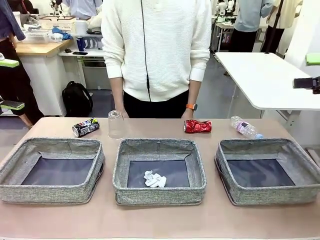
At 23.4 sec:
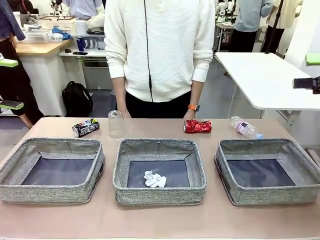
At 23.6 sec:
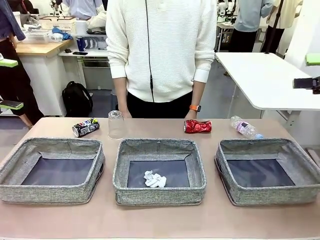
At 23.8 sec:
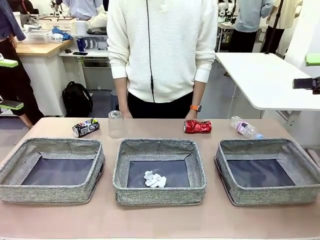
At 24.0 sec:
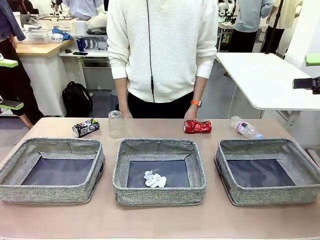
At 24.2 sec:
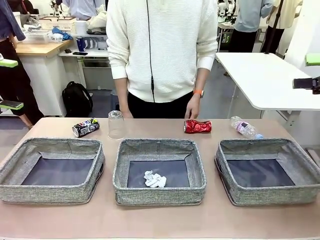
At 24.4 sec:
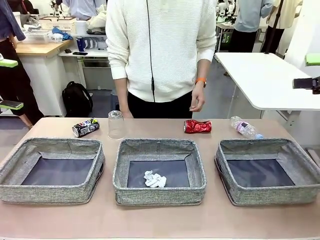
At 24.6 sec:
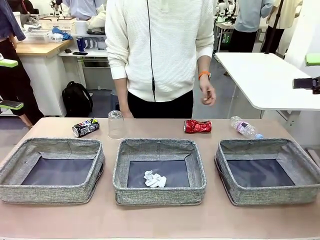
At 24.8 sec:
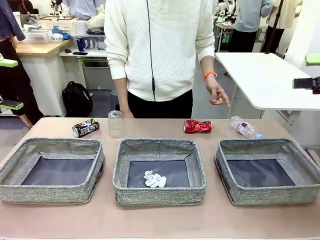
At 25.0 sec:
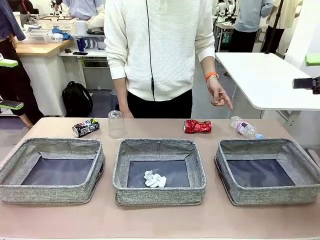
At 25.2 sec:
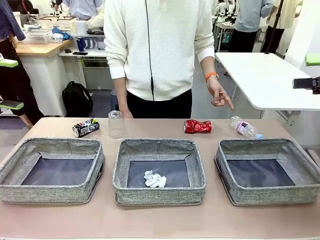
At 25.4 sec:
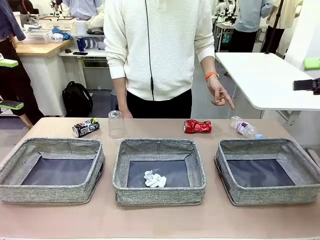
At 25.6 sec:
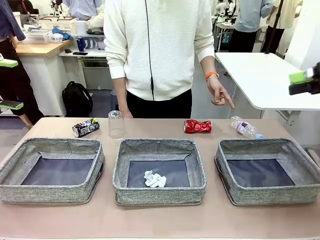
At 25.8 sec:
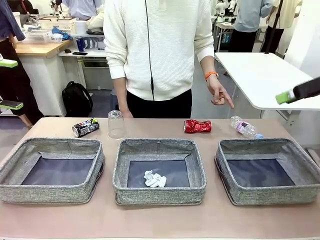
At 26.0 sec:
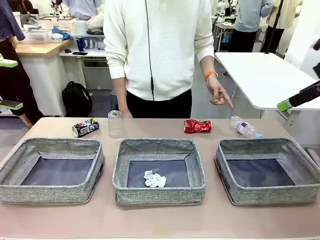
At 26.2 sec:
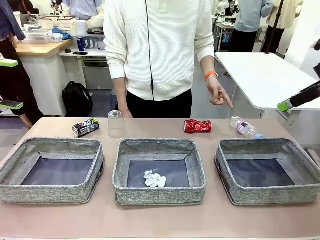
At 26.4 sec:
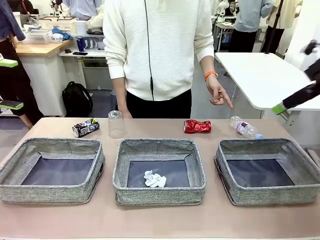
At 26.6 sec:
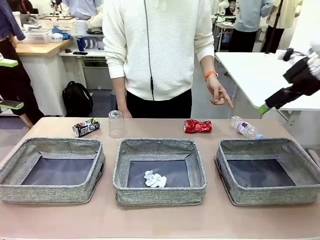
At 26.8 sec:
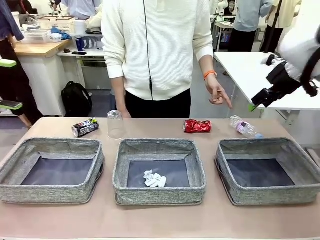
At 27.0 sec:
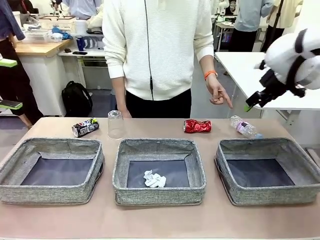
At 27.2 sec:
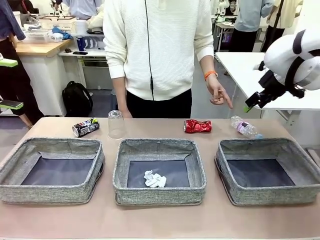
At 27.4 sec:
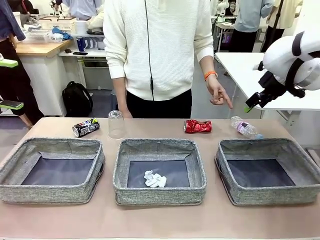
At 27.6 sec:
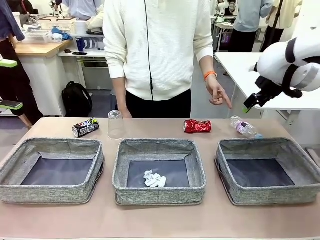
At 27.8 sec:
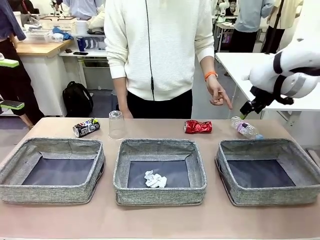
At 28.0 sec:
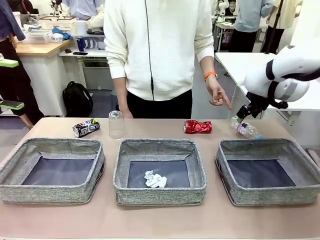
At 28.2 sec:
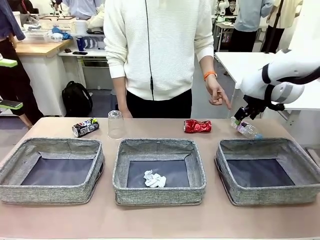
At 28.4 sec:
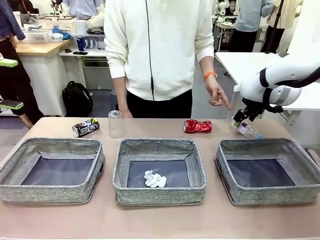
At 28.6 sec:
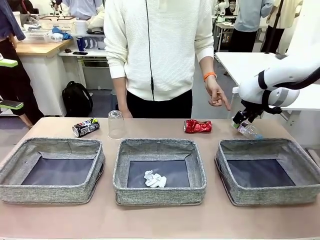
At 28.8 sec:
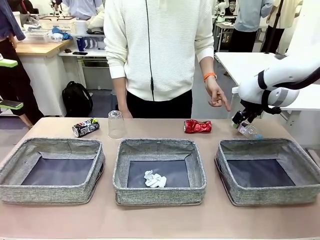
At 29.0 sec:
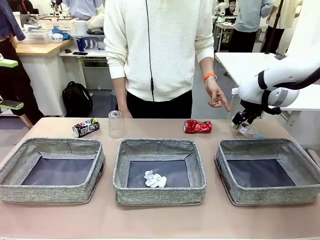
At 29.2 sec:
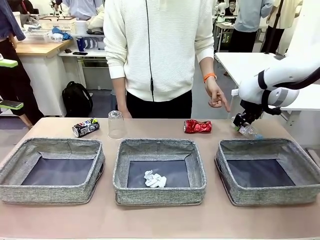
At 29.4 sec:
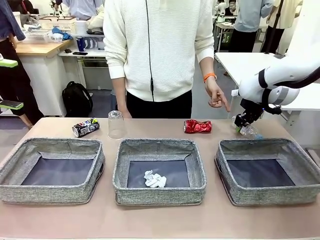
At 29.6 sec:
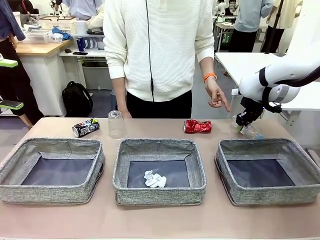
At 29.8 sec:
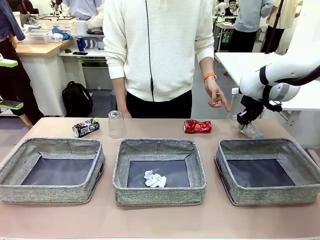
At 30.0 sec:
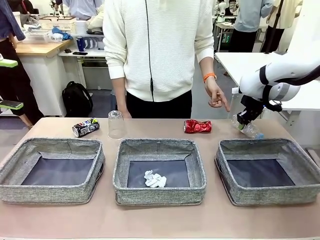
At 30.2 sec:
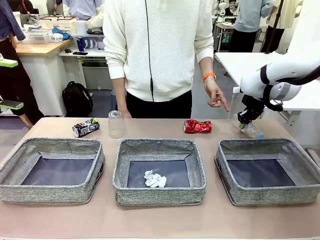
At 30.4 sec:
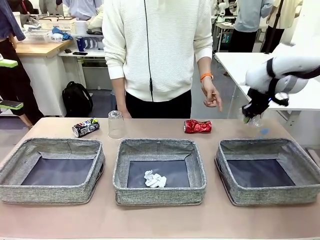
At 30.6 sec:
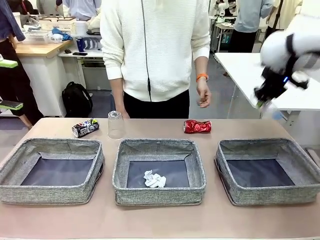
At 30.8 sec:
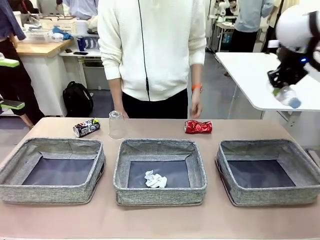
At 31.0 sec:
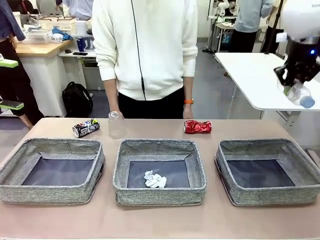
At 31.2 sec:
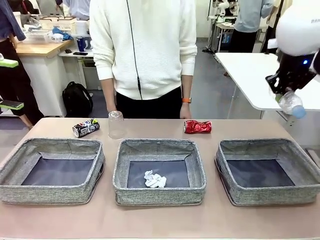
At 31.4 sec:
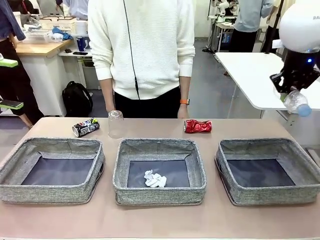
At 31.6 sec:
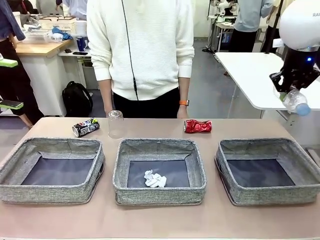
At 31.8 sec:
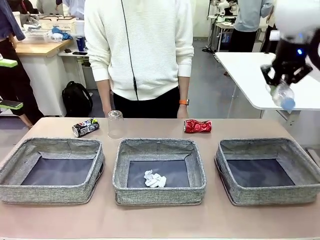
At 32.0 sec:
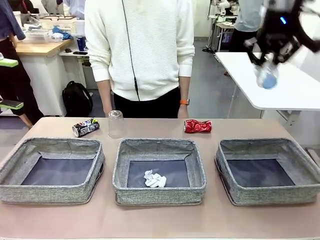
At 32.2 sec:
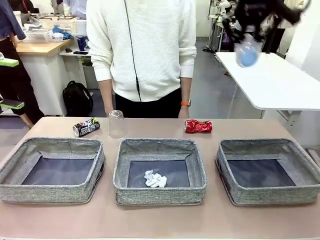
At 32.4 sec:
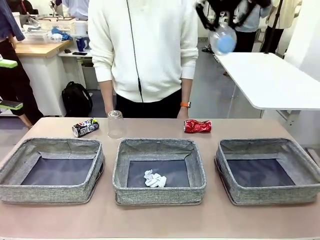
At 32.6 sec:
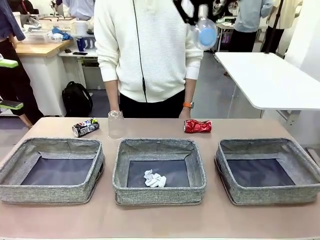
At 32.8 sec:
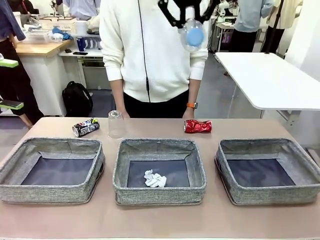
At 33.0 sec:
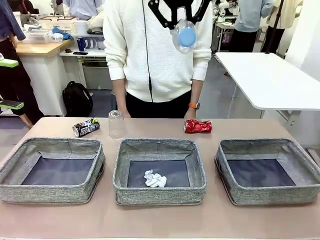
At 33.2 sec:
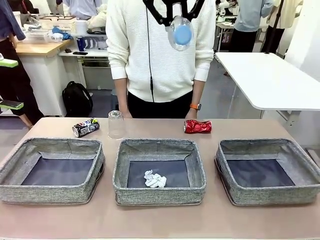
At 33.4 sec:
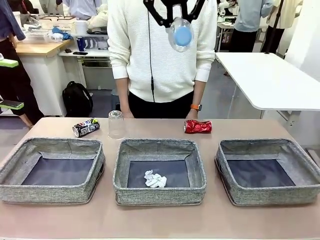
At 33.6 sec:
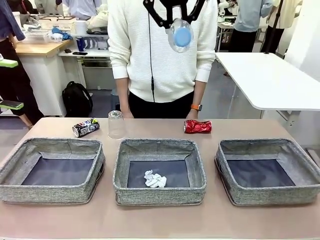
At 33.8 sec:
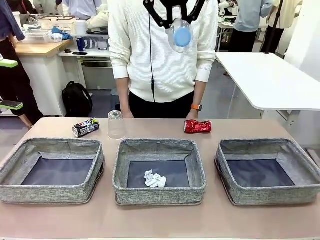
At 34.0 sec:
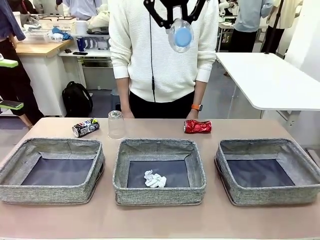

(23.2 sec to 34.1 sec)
Task: Sort the waste into the appropriate baskets.
Robot: Pick up the waste item pointed out by the person.
Person: Points to one piece of trash on the table.

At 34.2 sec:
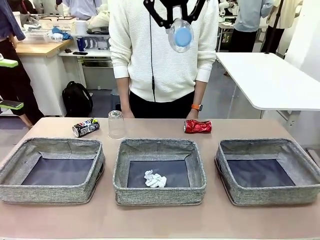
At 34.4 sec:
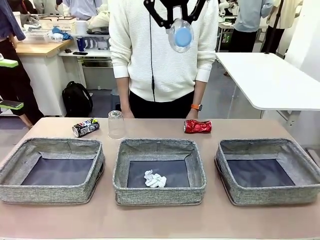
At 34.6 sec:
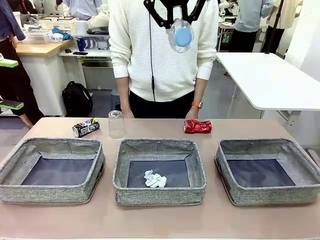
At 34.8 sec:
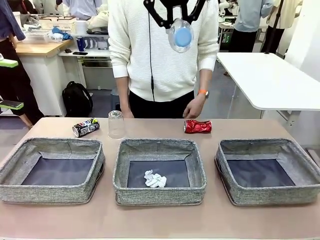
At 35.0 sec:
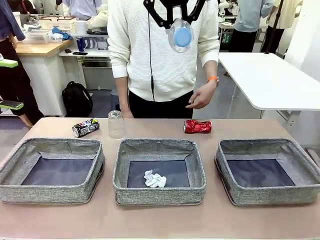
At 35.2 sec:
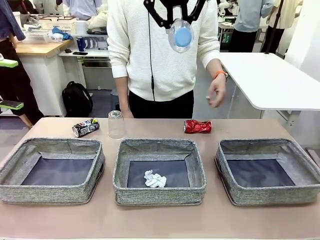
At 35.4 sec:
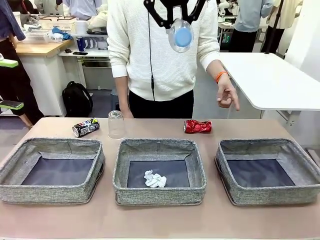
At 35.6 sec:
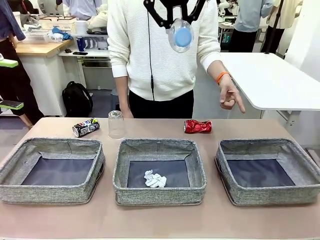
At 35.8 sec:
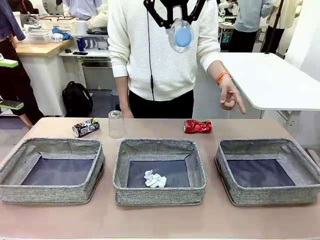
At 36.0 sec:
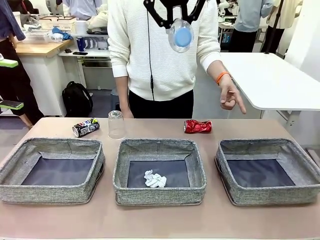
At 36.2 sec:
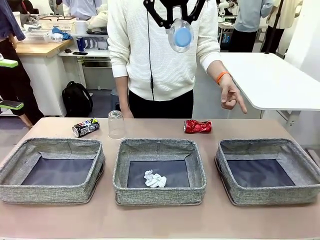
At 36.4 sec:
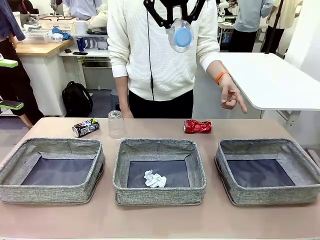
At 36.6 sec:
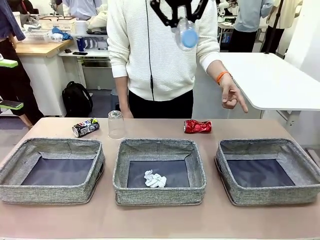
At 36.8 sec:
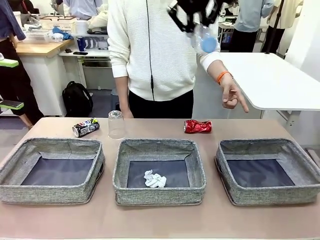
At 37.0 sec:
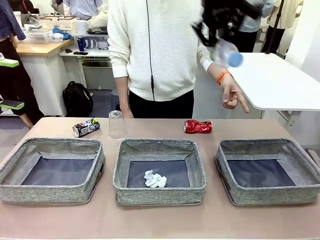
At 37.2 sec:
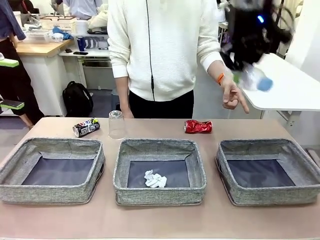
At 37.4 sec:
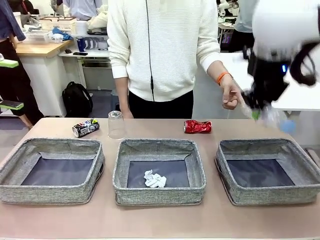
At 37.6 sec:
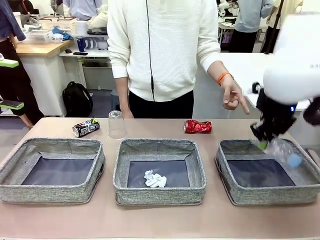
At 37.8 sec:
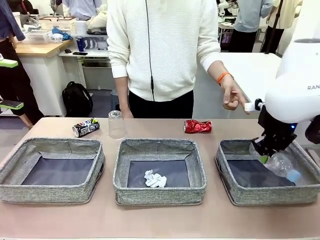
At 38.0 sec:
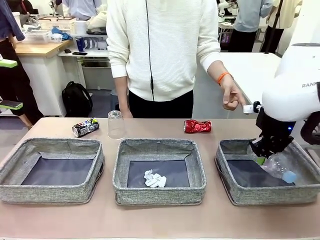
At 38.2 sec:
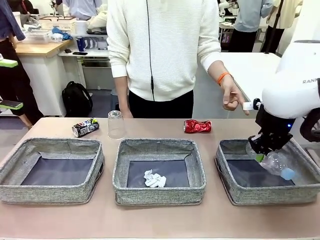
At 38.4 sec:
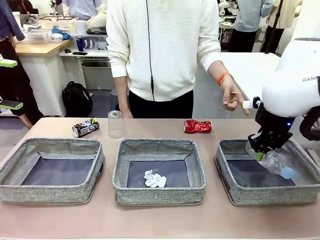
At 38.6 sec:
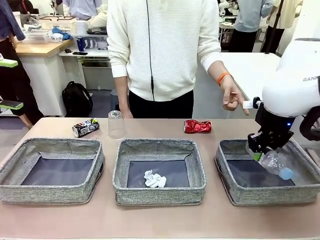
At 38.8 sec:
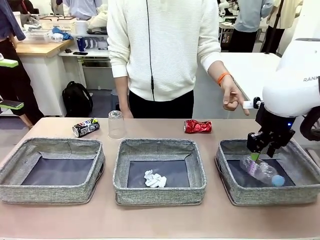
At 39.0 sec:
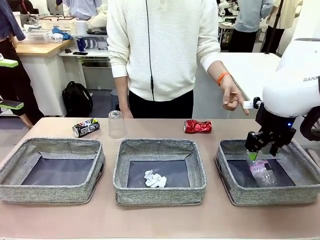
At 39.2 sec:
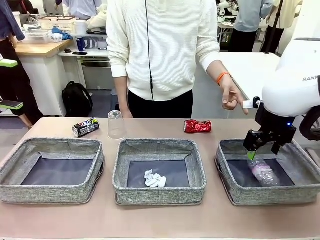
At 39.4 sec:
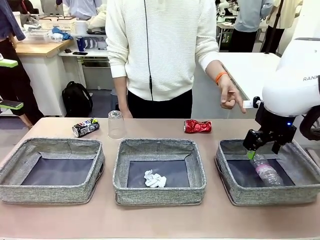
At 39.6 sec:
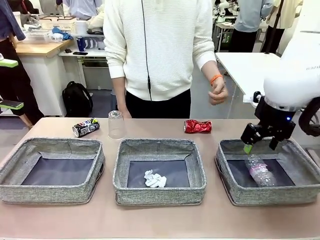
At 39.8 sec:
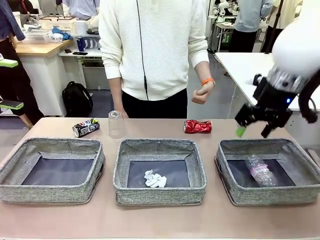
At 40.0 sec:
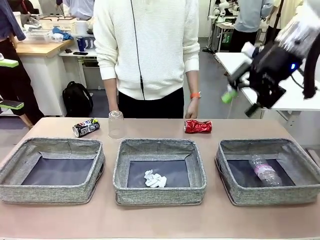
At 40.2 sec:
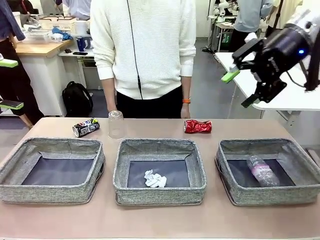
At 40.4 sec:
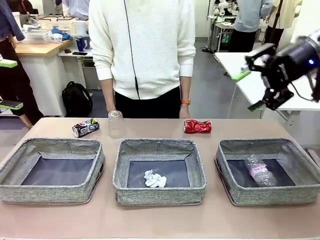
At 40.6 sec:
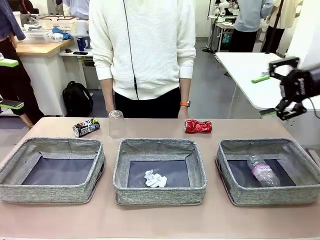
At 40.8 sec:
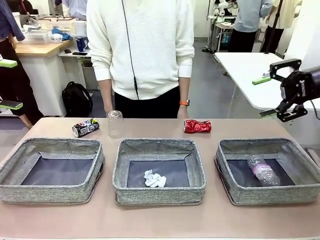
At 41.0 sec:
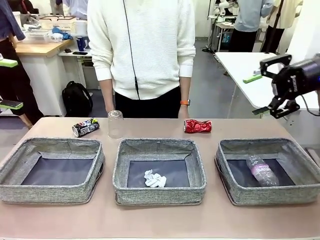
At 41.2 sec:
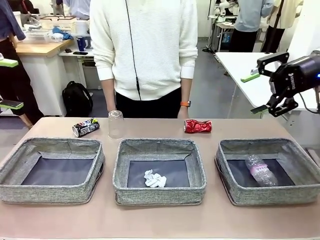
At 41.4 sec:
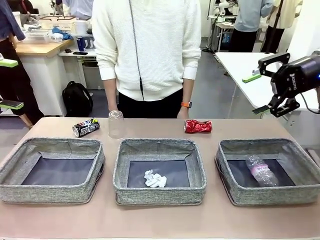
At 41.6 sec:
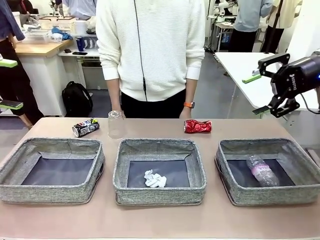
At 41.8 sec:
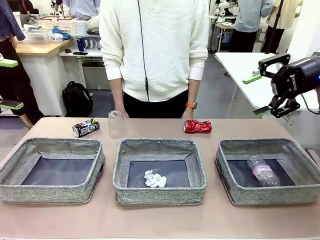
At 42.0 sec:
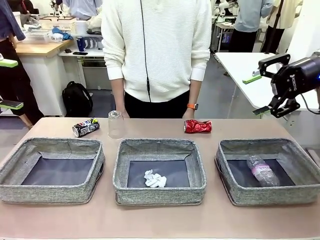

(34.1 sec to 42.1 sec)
Robot: Place the picked waste into the Fabric basket indicated by the person.
Person: Instructs the robot to place the picked-up trash into the appropriate organizing basket.
